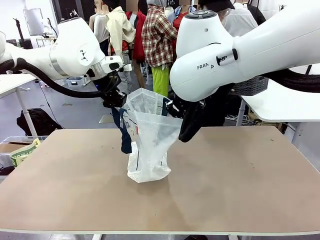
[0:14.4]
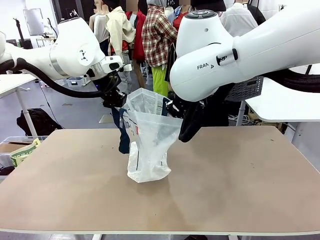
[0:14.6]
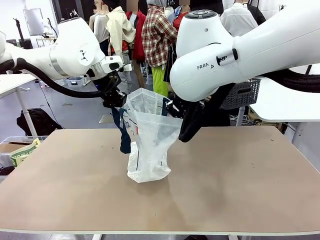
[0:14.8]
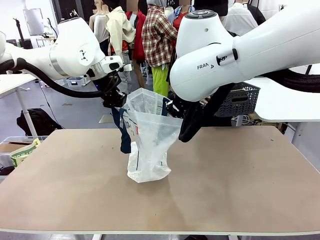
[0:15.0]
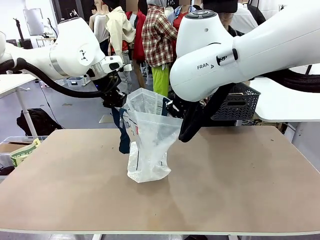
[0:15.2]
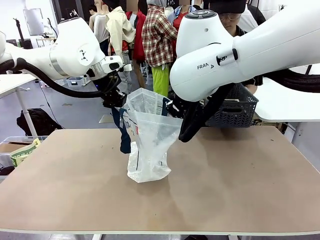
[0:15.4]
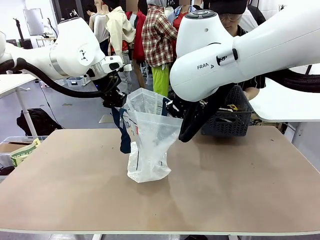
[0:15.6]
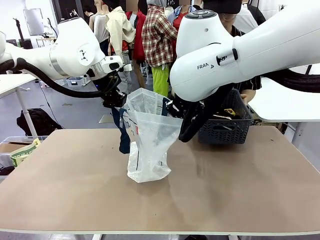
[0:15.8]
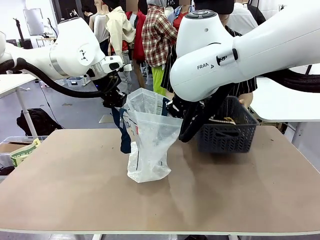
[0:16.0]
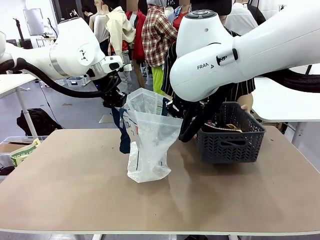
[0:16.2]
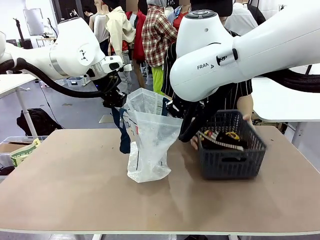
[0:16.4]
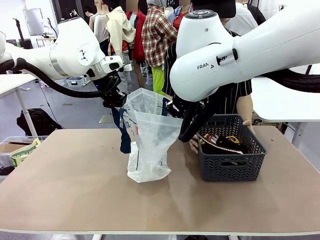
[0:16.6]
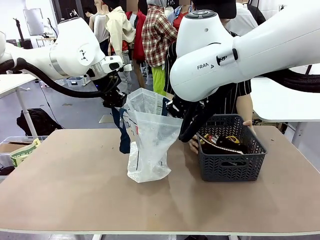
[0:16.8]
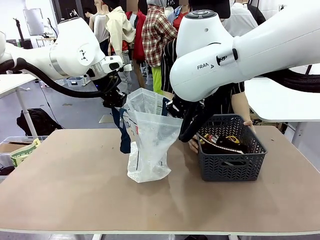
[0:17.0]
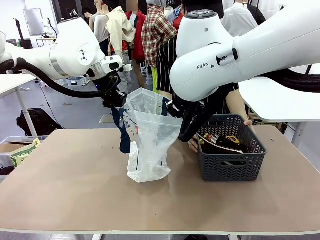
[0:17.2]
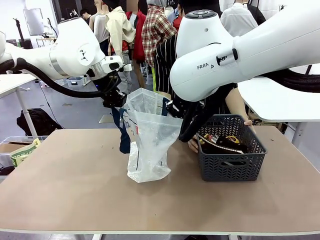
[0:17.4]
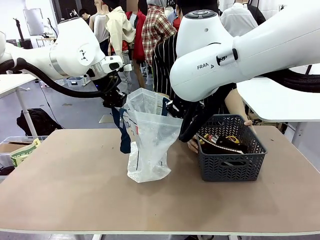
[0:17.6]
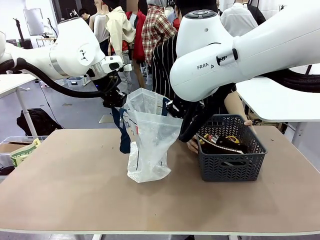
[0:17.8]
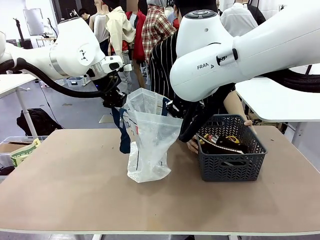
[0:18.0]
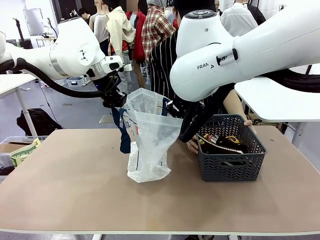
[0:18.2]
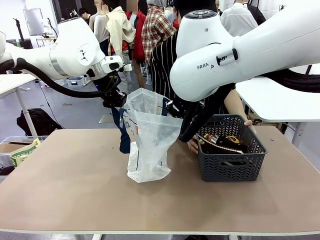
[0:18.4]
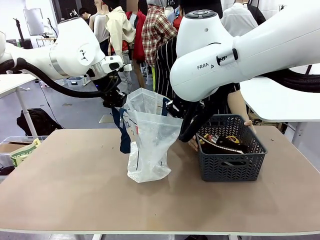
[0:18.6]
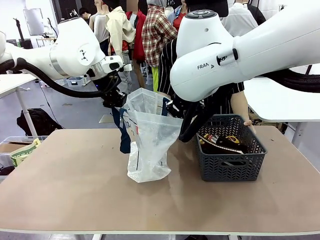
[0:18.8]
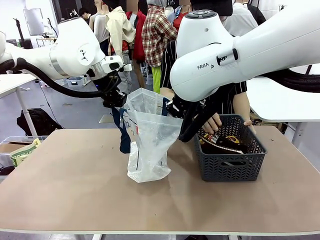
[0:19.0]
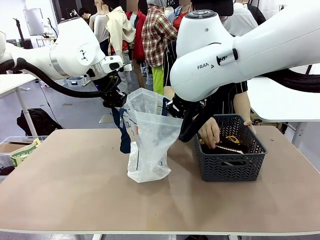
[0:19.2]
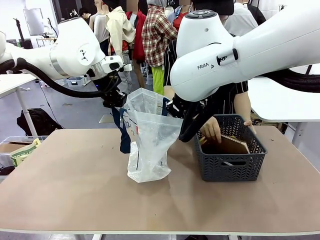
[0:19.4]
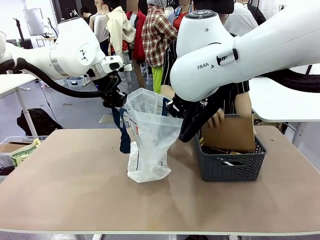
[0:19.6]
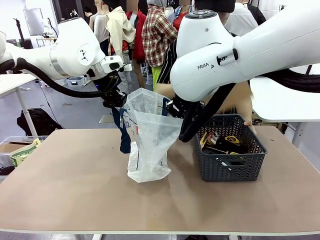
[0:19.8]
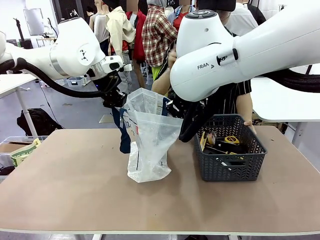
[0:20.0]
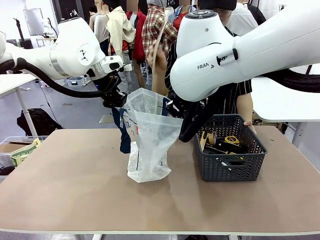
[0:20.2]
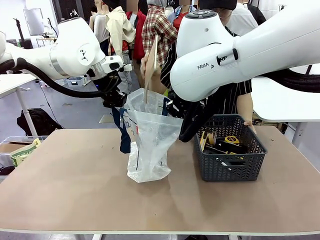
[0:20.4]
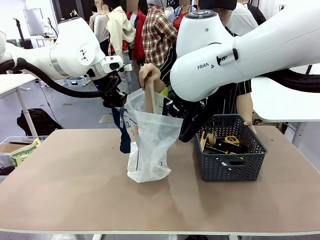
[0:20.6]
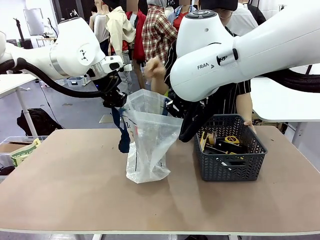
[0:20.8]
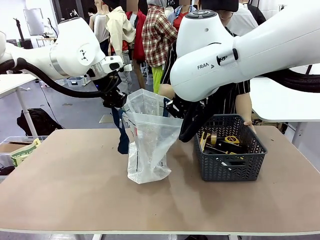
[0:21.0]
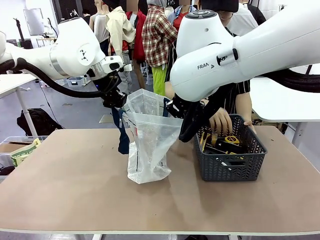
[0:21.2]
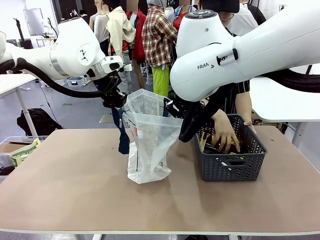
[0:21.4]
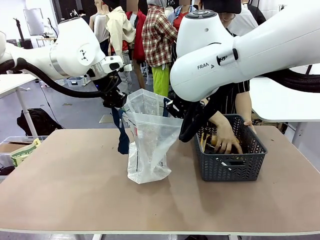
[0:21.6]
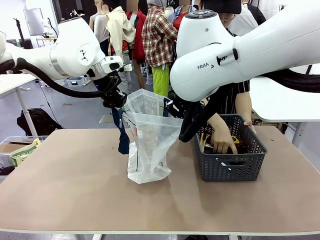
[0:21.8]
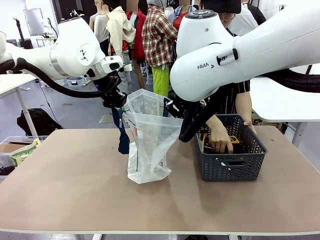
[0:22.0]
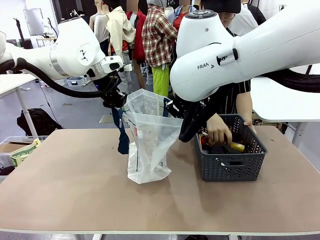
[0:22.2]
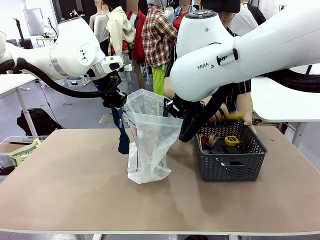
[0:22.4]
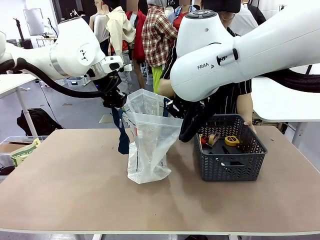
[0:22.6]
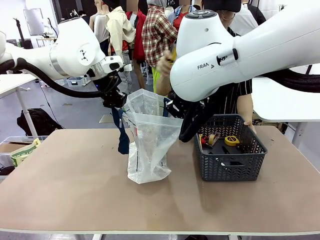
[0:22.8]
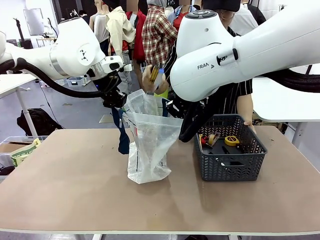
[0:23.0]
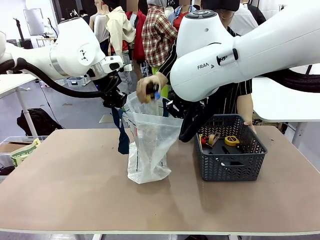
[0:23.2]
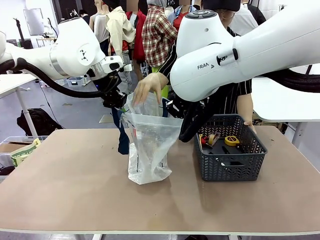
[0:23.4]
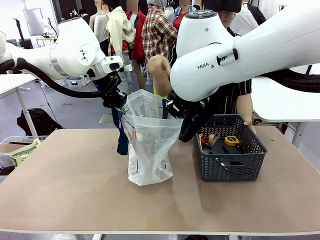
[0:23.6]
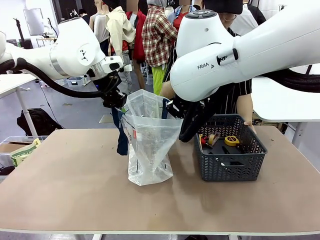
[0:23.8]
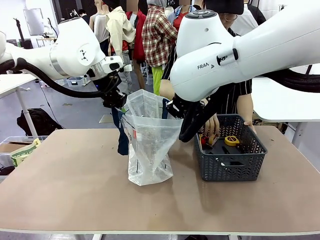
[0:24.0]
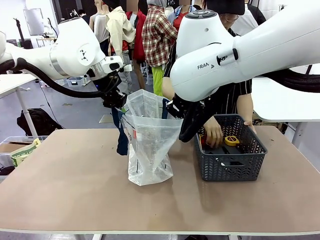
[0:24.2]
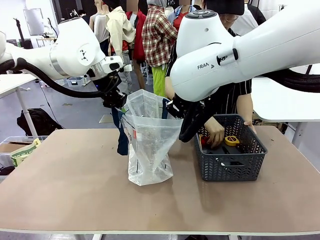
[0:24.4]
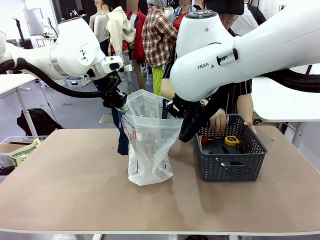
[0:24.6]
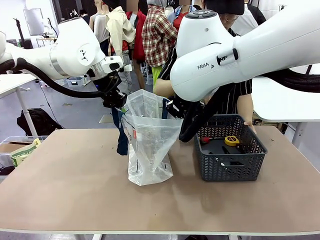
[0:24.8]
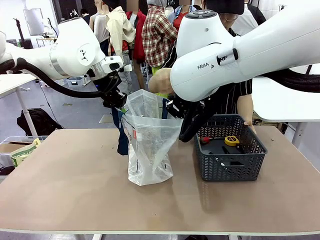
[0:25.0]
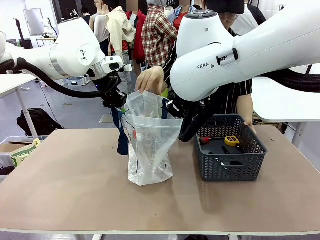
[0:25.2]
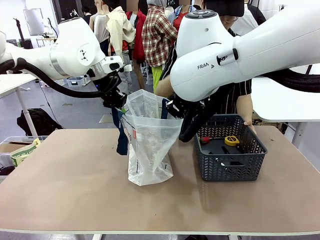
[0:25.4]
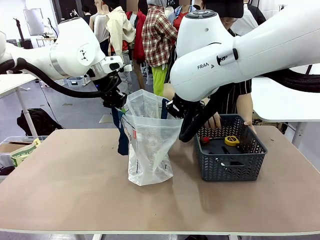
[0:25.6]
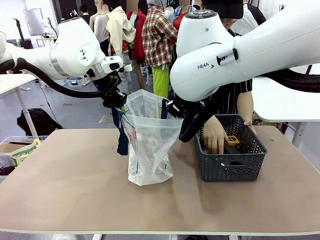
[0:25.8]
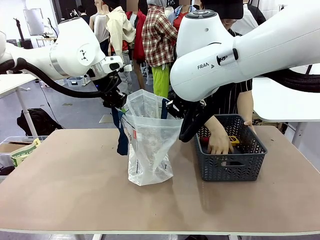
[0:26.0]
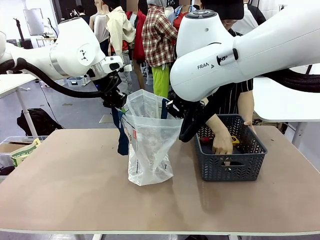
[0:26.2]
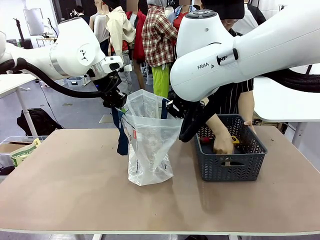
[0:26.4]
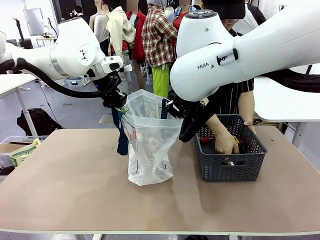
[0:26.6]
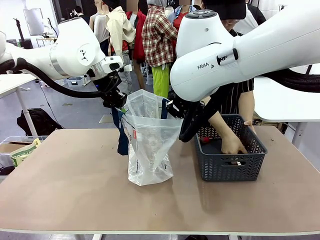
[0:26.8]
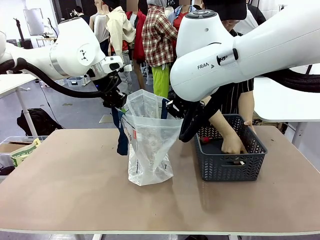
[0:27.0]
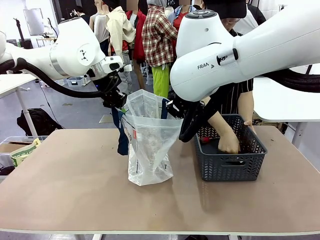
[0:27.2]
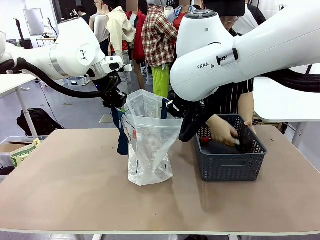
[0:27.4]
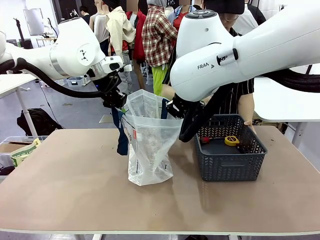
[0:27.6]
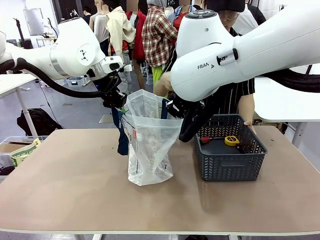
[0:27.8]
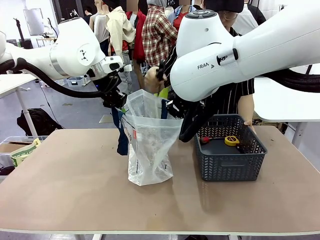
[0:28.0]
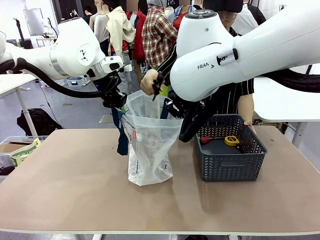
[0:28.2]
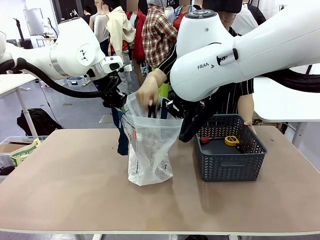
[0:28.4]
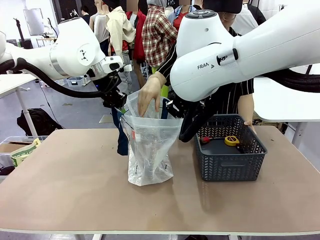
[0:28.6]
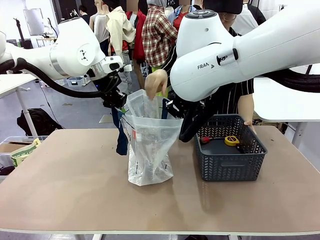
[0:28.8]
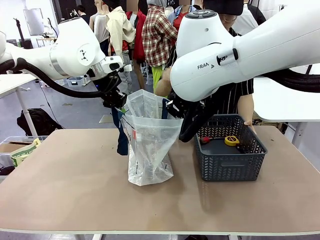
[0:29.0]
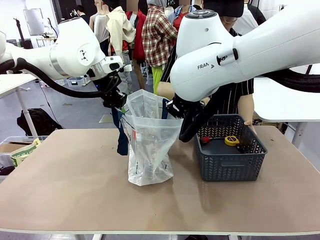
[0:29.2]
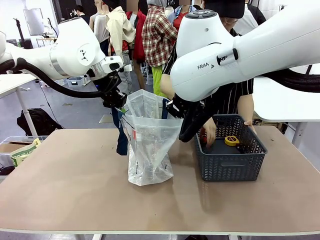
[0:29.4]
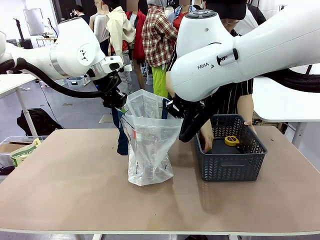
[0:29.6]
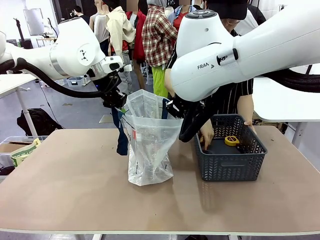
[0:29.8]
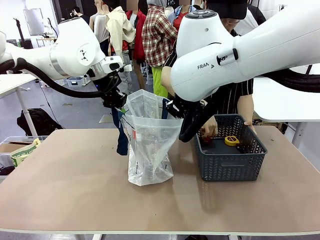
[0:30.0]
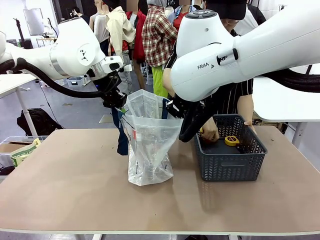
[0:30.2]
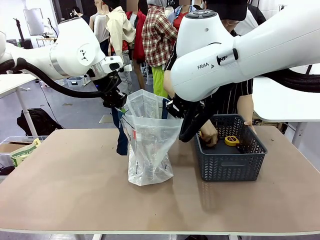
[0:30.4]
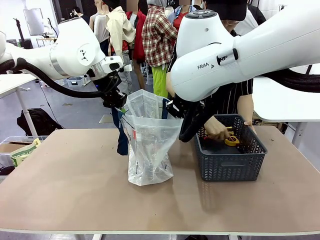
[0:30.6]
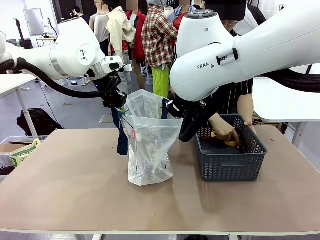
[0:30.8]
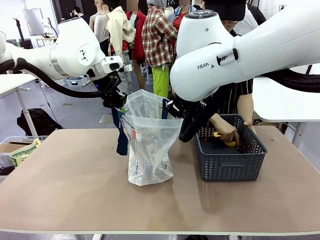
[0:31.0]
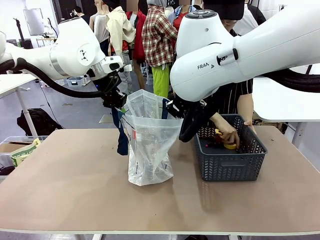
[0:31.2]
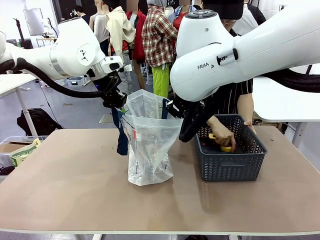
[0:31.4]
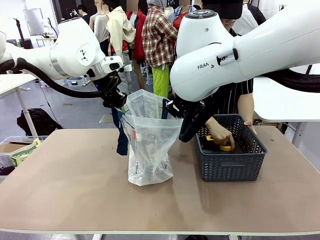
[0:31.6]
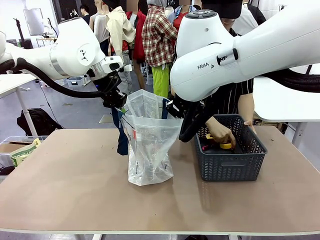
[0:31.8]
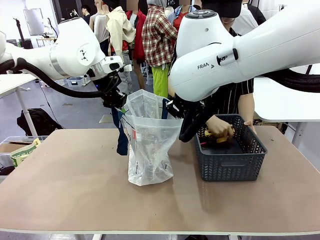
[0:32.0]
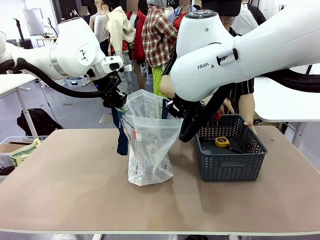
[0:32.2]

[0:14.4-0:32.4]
Task: Transfer purchased items from the store into the shopping bag.
Robot: Move the Reusable shopping bag to the right side of the table.
Person: Pick up the basket with the items out and place it on the right side of the human table.
